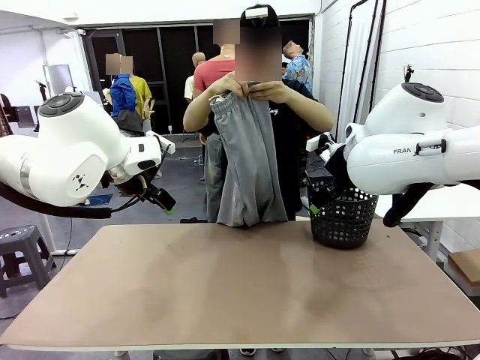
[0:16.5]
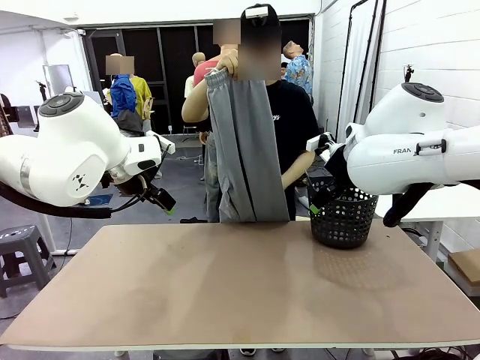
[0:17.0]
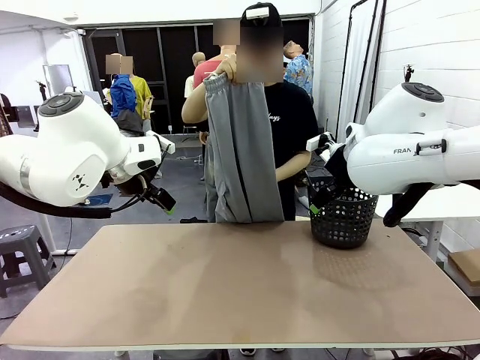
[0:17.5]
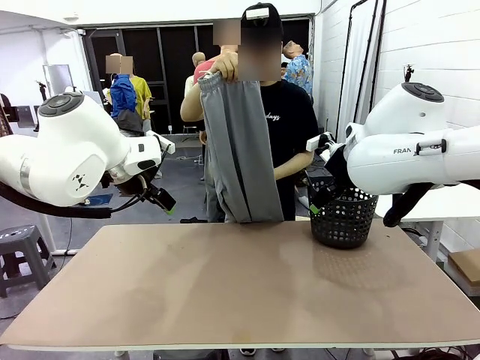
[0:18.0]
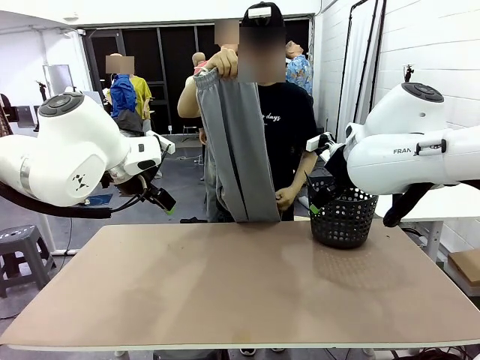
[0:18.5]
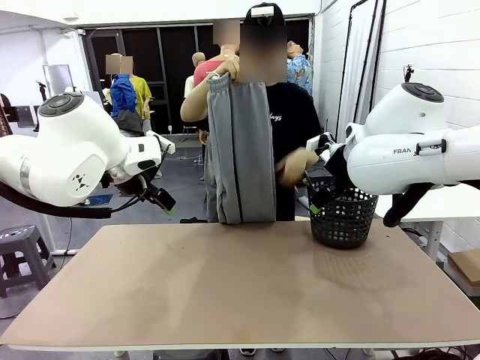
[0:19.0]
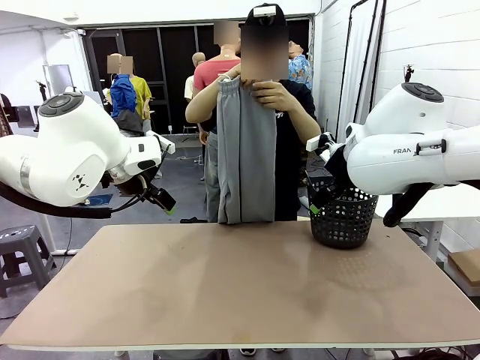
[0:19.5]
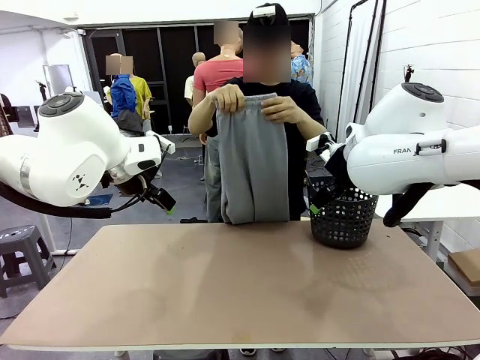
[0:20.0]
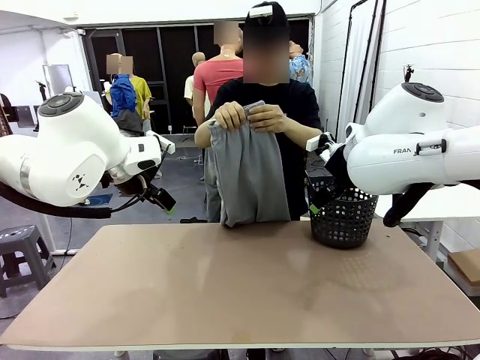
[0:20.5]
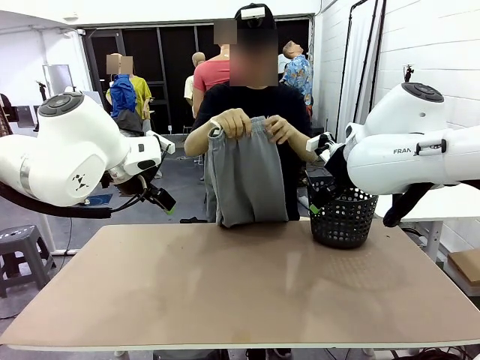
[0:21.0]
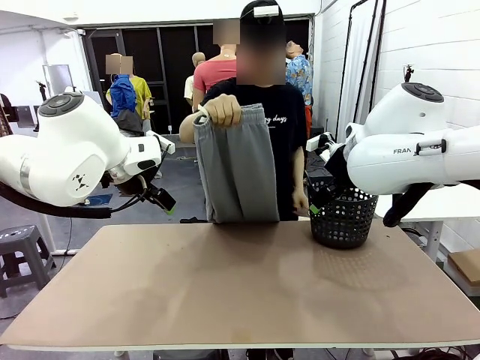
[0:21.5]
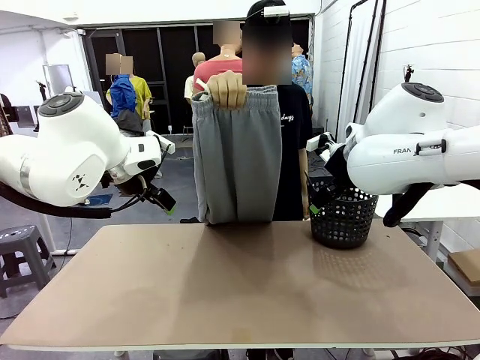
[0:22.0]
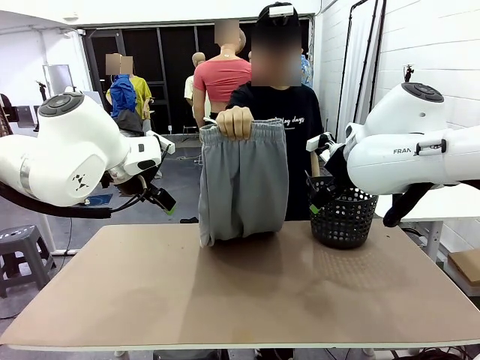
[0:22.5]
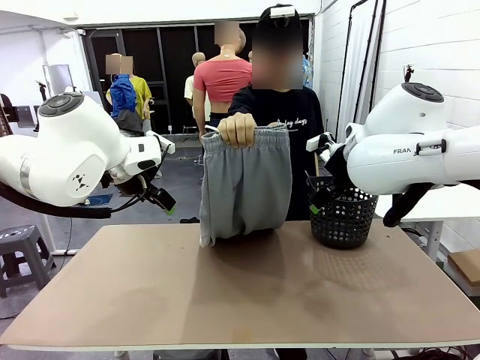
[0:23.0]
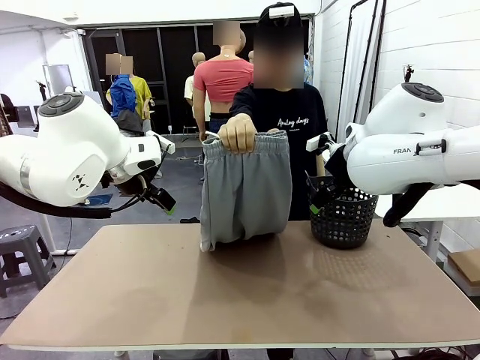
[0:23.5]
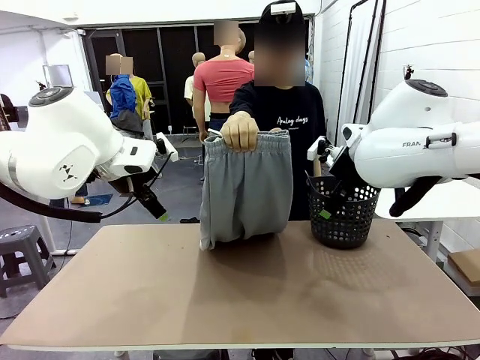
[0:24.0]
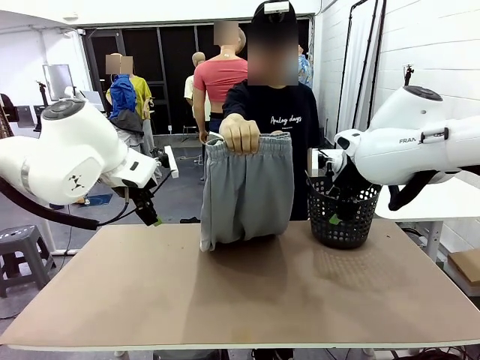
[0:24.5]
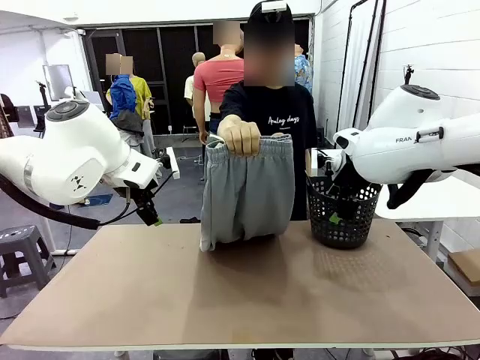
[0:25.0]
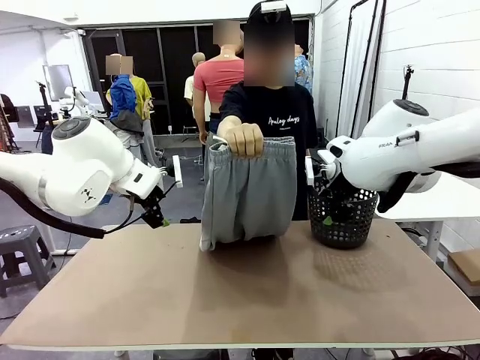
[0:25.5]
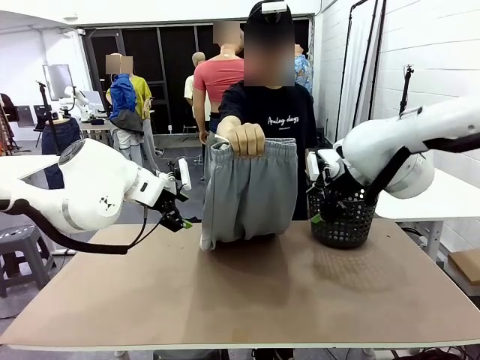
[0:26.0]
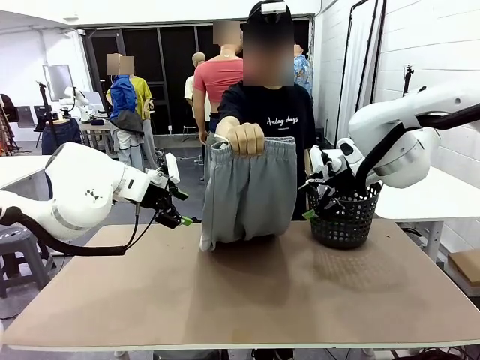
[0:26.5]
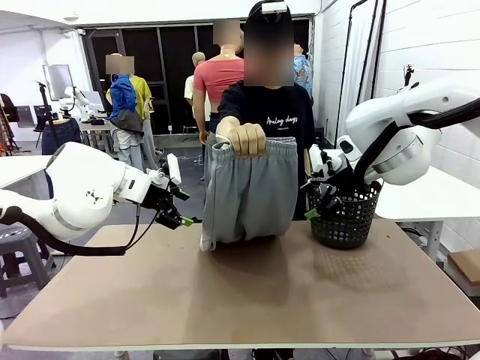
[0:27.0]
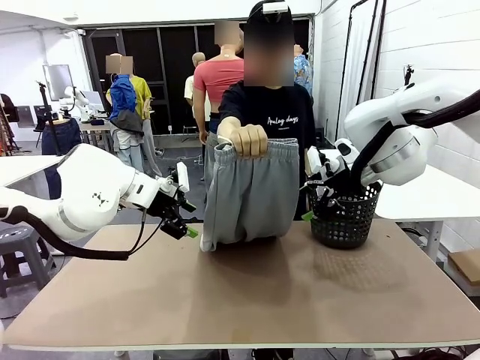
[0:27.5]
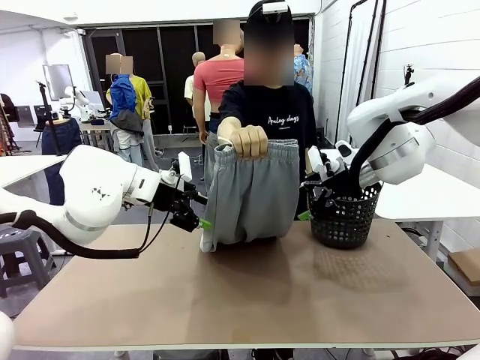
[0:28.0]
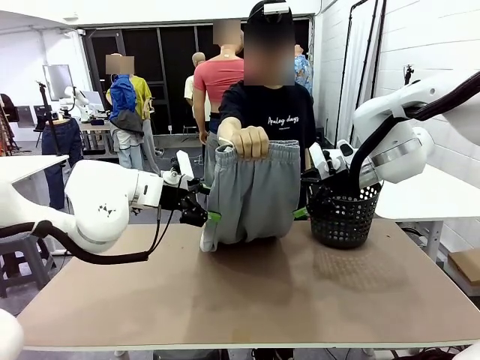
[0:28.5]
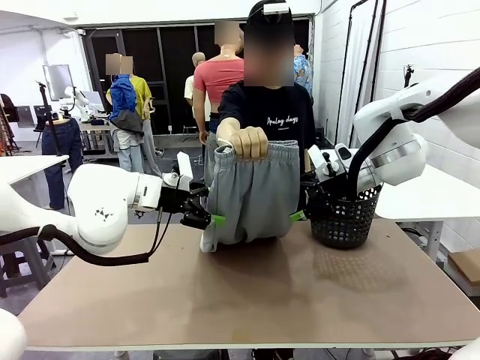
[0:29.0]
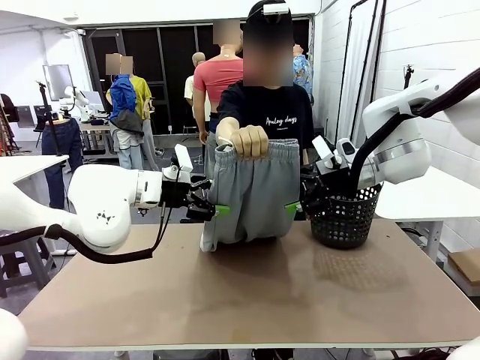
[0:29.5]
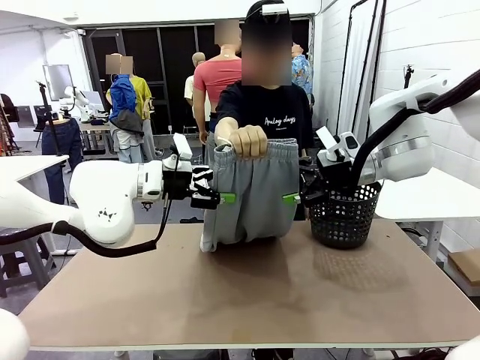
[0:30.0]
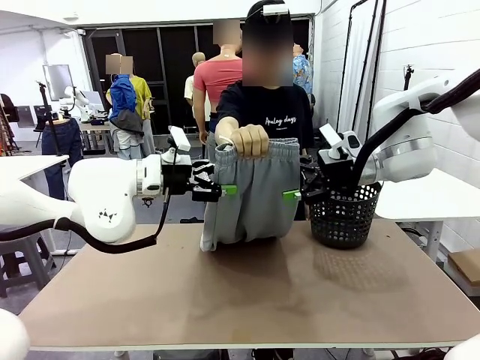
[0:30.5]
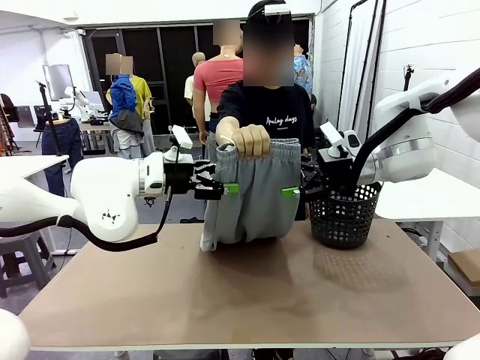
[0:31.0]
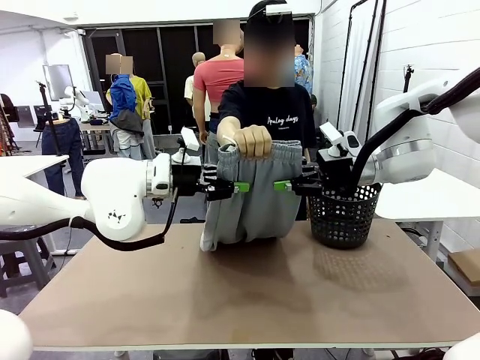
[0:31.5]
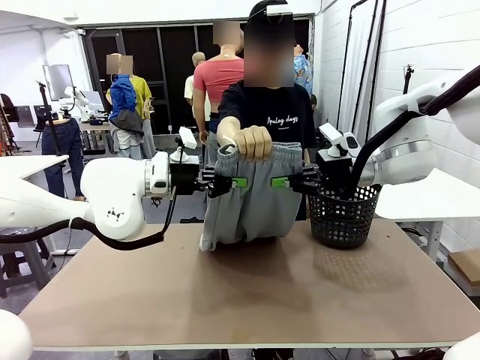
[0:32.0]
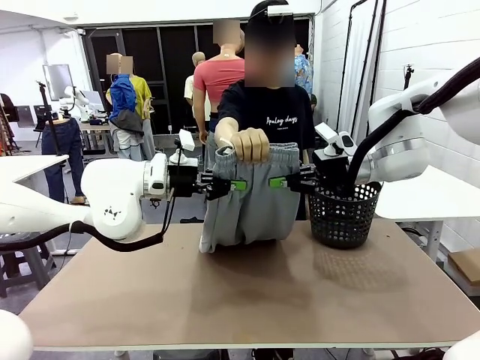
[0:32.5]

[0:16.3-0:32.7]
Task: Fold the training pants.
Robot: Grab both ends of the Training pants handed by a person.

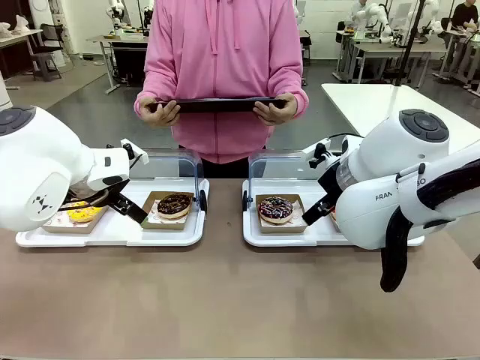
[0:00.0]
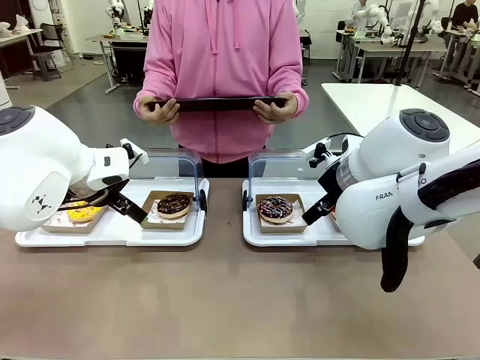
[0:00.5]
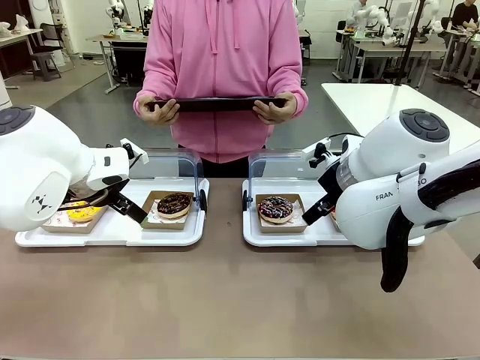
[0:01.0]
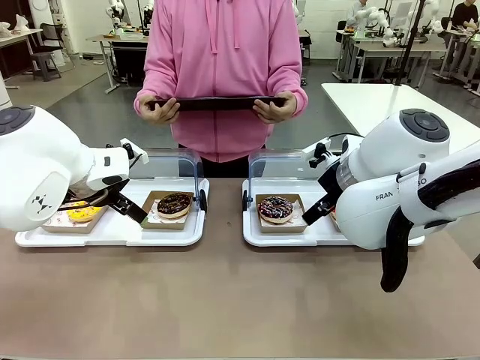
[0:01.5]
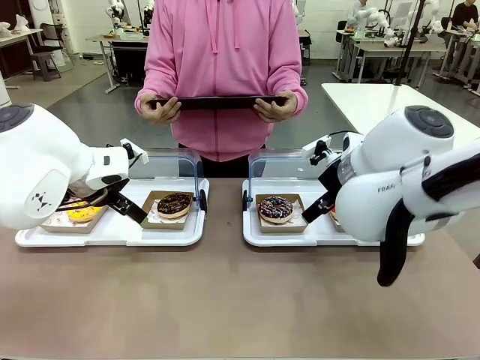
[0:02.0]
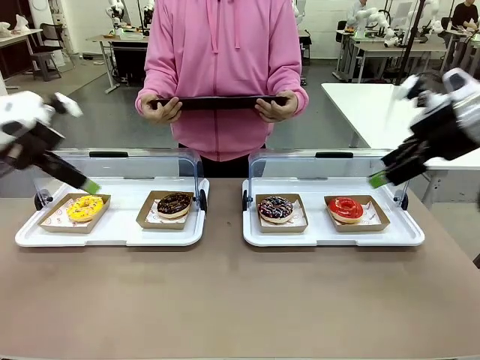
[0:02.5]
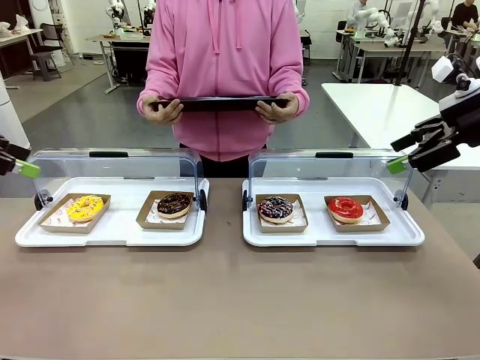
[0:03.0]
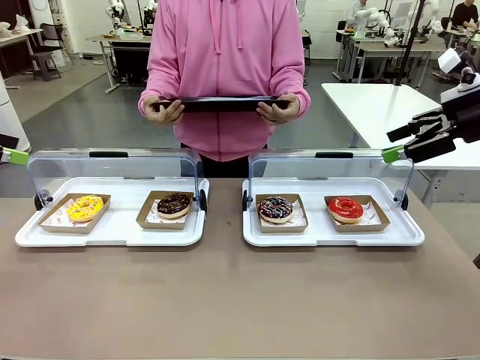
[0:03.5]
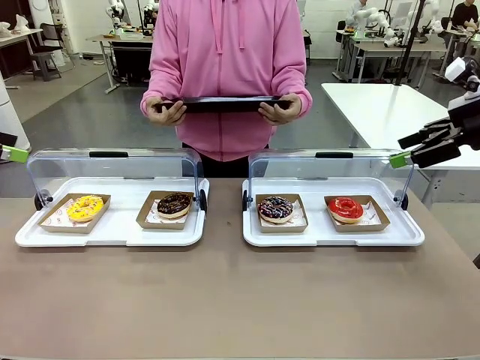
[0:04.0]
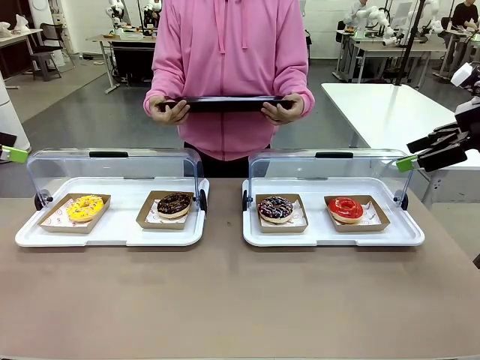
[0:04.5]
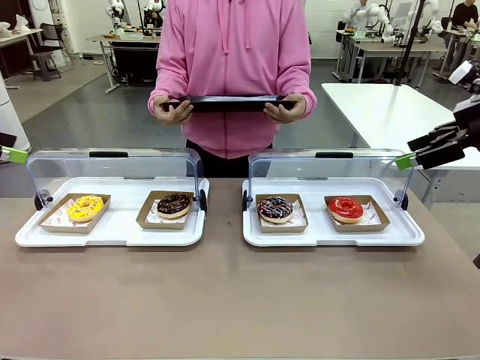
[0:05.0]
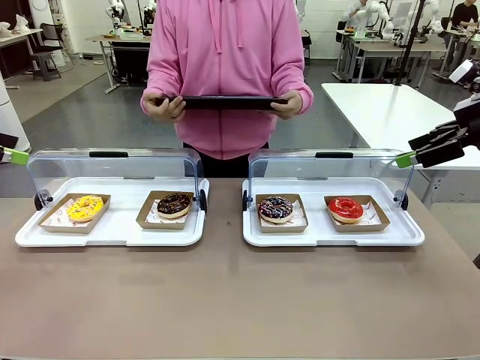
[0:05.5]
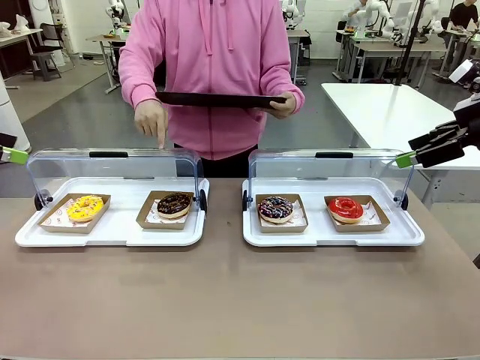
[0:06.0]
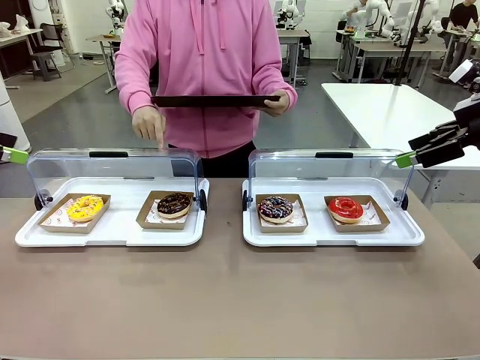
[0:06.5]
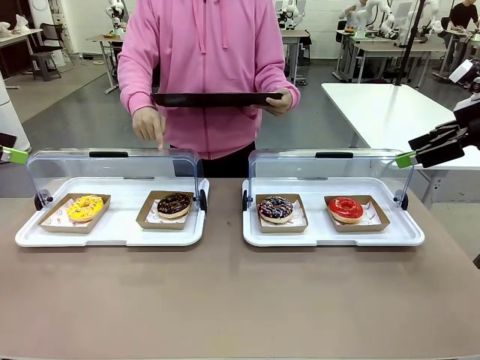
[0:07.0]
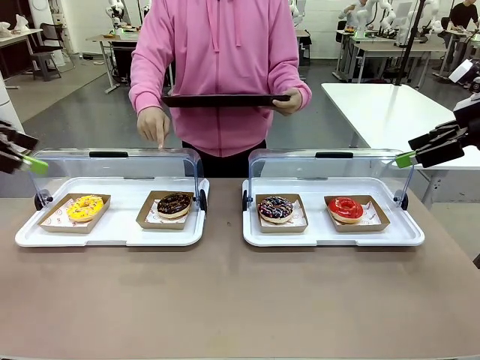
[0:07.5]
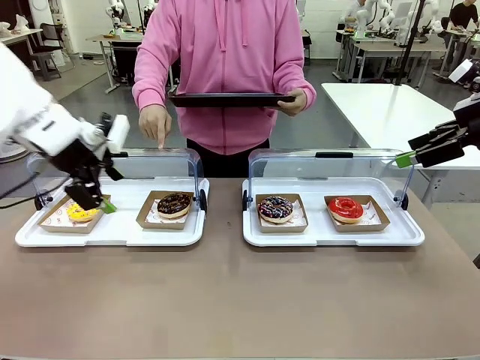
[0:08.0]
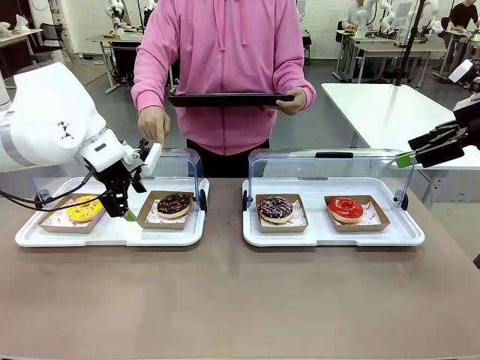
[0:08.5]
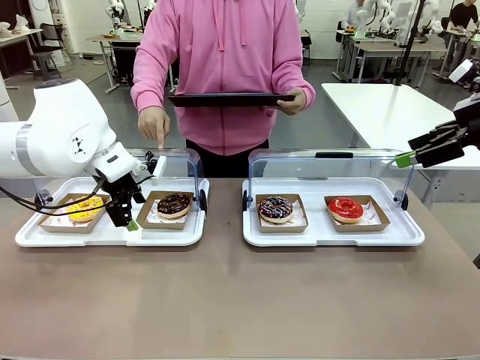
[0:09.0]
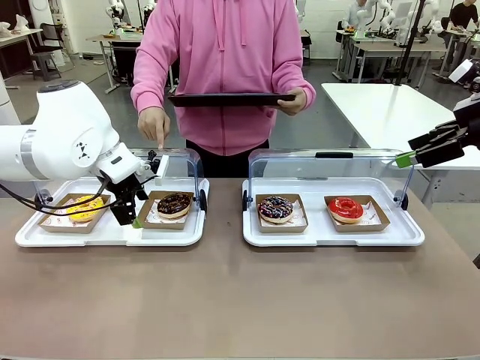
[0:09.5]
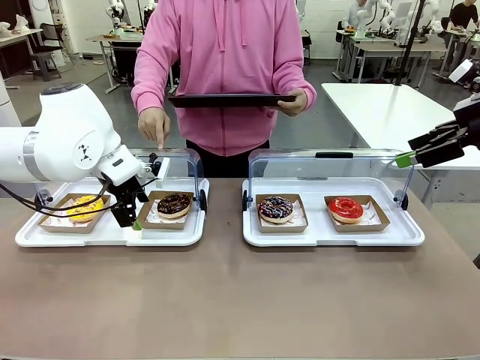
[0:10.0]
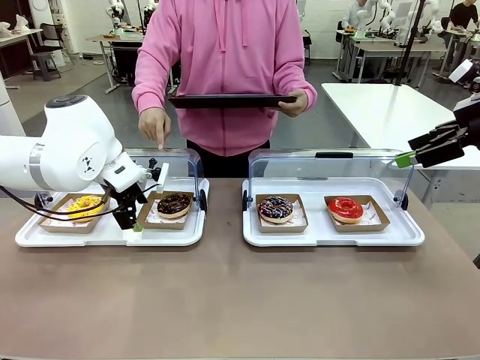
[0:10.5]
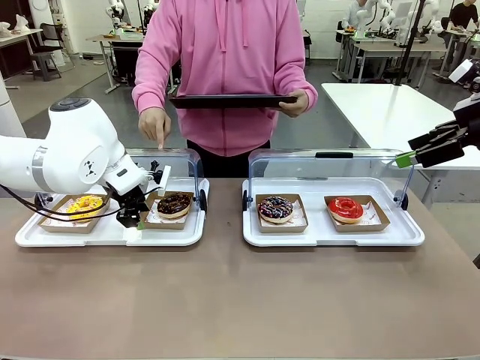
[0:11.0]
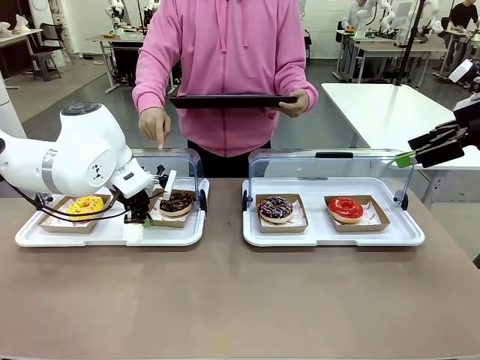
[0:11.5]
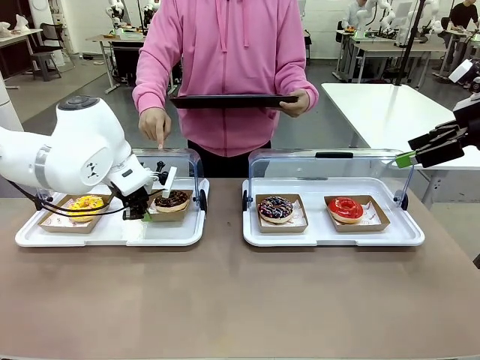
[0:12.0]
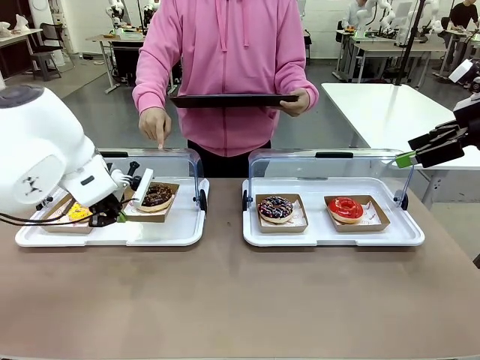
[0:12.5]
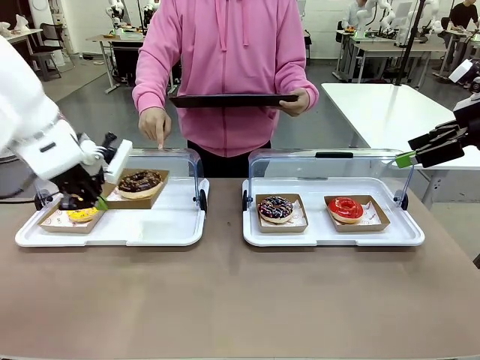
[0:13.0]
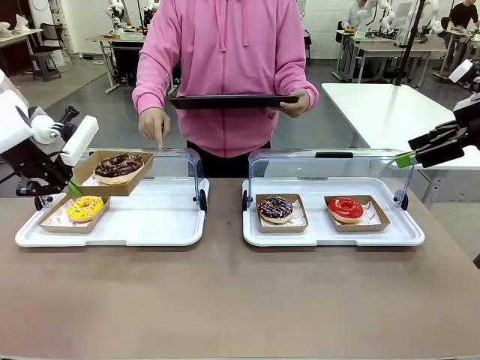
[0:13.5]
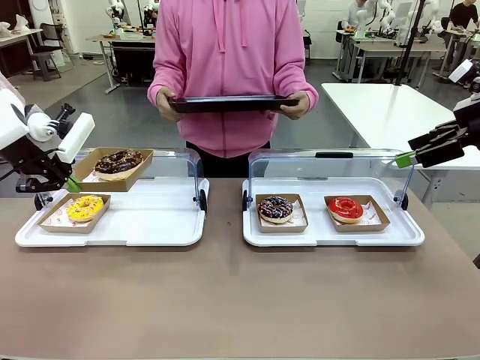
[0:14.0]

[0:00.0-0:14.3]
Task: Provide the desired donut to the person.
Robot: Pick up and lift the Paper togo box containing the Donut pointed at by the person.
Person: Point to one donut. Lift the tray onto the Roll-Top Bakery Case.
